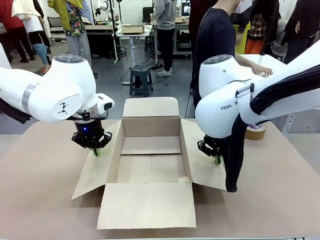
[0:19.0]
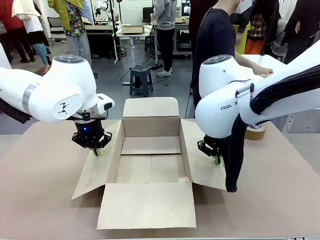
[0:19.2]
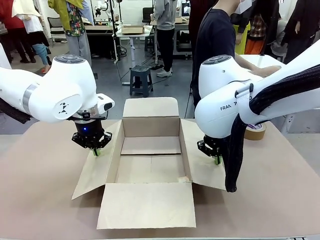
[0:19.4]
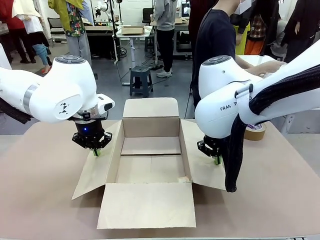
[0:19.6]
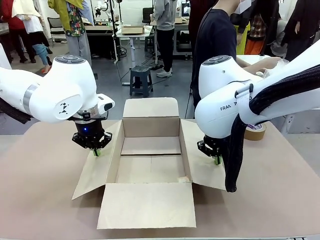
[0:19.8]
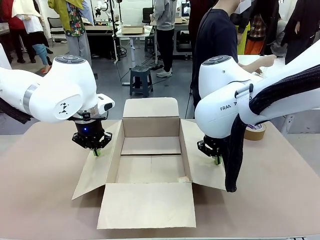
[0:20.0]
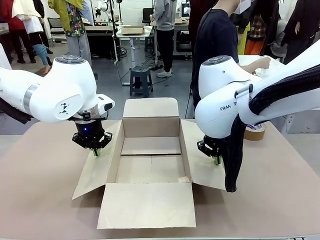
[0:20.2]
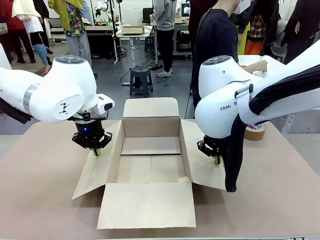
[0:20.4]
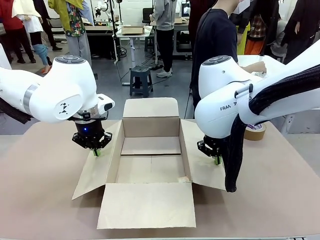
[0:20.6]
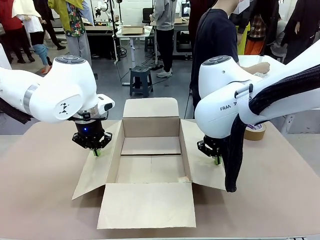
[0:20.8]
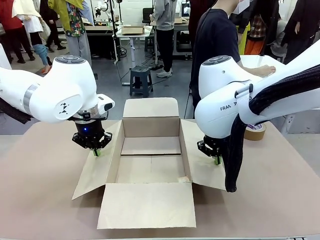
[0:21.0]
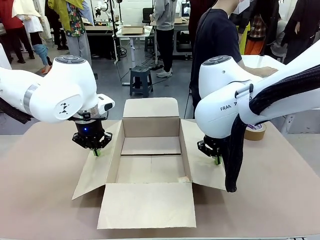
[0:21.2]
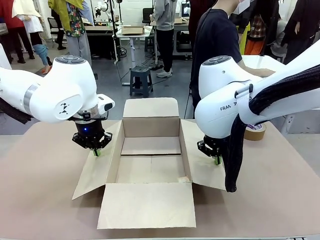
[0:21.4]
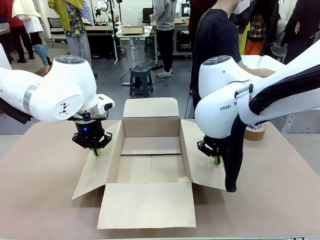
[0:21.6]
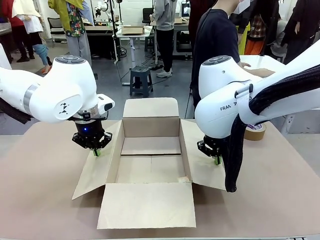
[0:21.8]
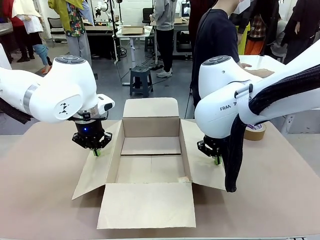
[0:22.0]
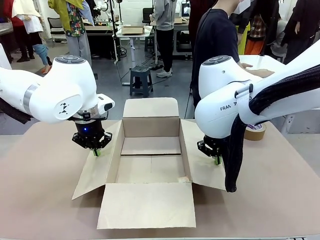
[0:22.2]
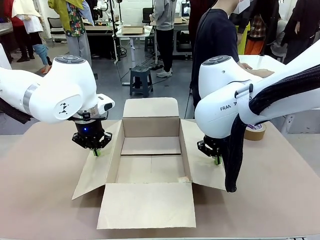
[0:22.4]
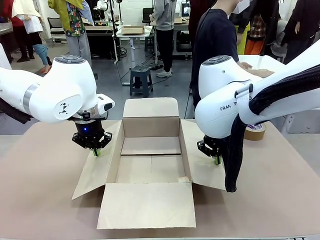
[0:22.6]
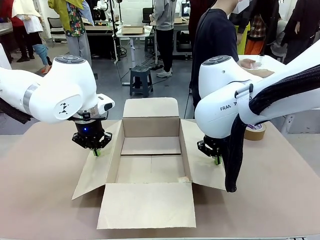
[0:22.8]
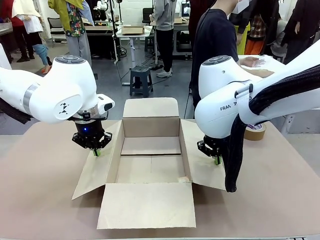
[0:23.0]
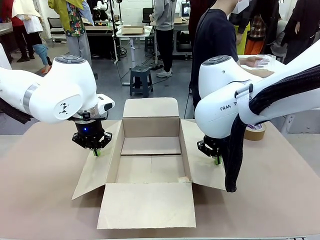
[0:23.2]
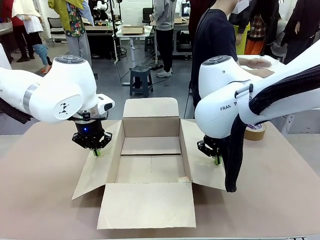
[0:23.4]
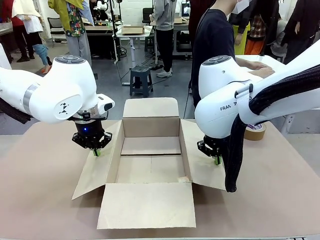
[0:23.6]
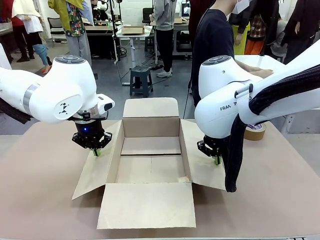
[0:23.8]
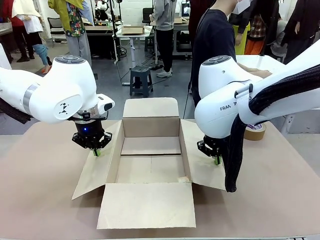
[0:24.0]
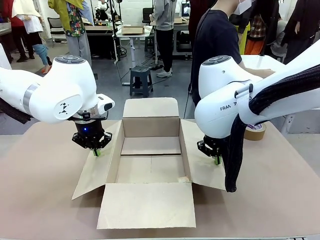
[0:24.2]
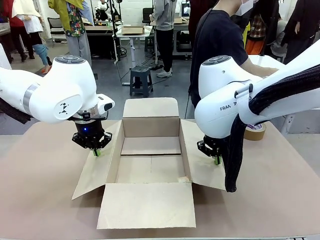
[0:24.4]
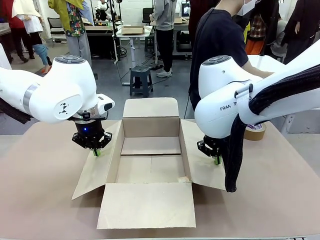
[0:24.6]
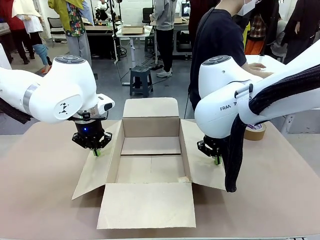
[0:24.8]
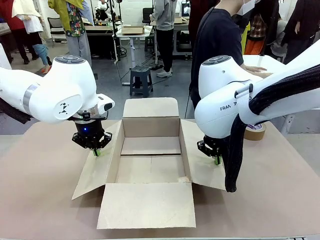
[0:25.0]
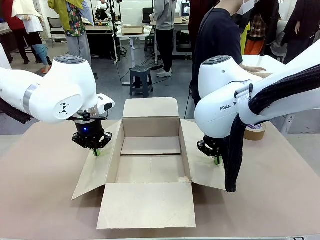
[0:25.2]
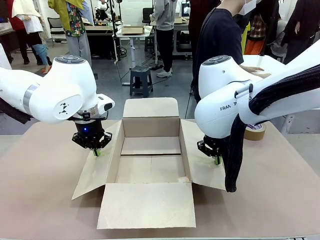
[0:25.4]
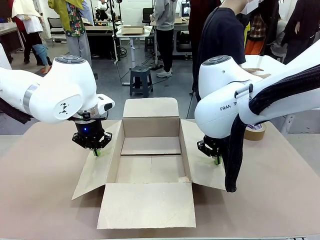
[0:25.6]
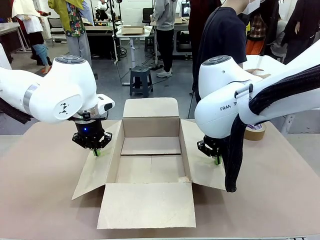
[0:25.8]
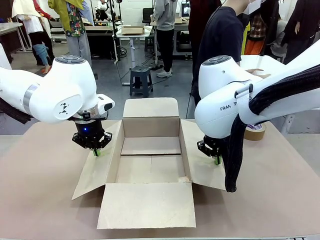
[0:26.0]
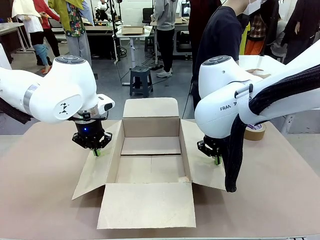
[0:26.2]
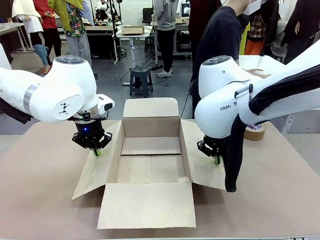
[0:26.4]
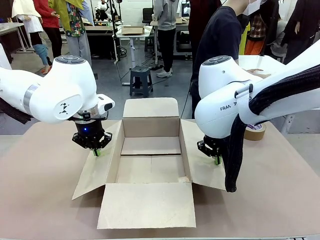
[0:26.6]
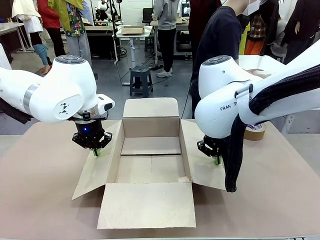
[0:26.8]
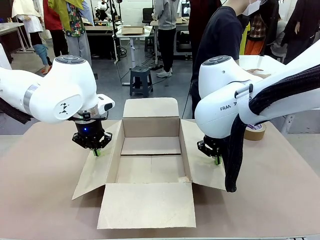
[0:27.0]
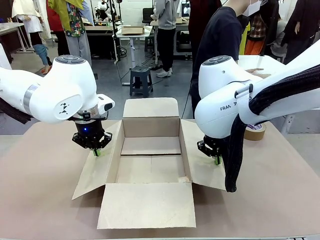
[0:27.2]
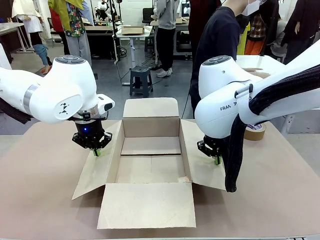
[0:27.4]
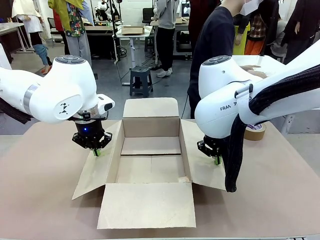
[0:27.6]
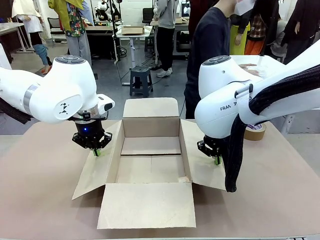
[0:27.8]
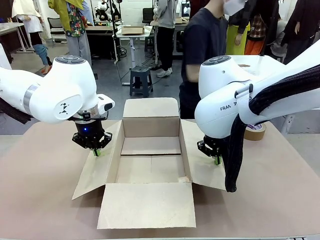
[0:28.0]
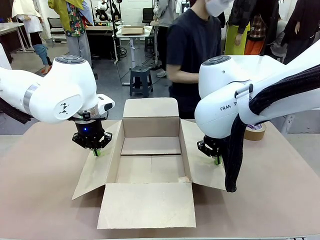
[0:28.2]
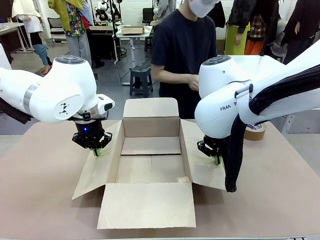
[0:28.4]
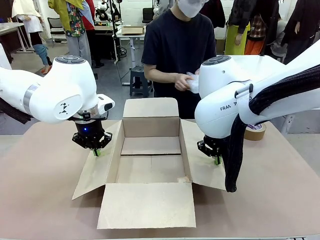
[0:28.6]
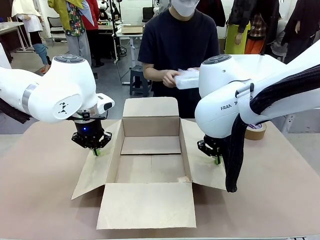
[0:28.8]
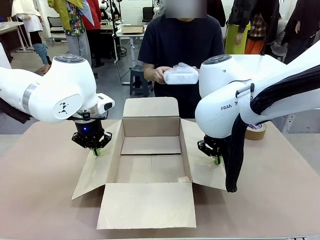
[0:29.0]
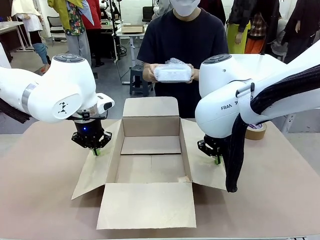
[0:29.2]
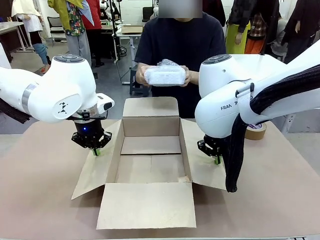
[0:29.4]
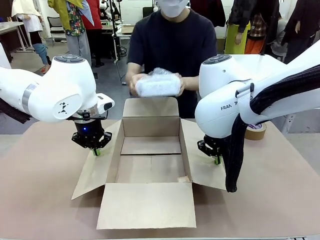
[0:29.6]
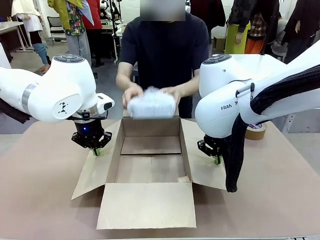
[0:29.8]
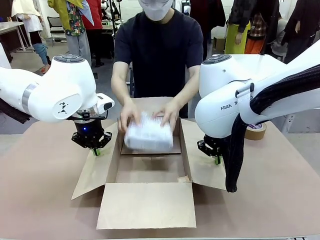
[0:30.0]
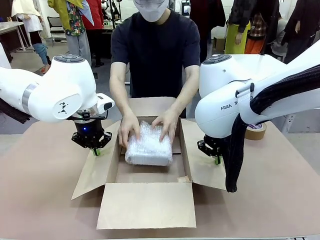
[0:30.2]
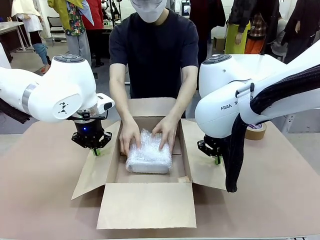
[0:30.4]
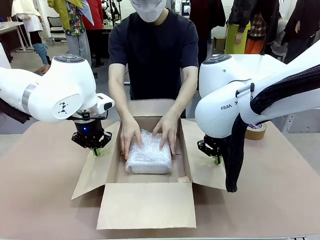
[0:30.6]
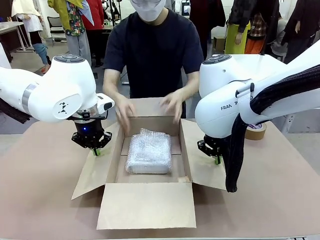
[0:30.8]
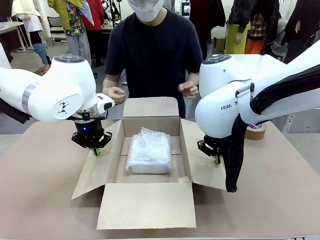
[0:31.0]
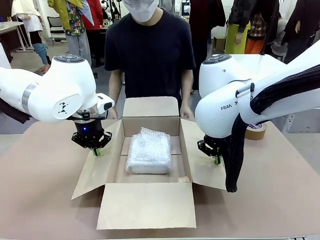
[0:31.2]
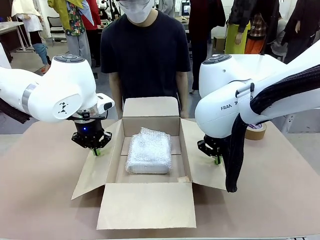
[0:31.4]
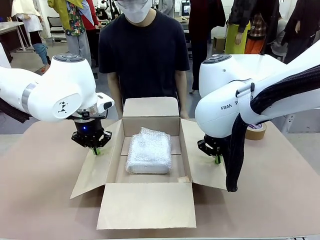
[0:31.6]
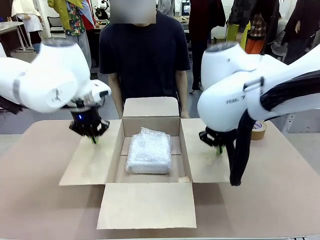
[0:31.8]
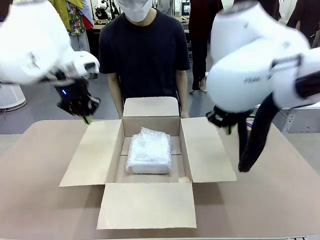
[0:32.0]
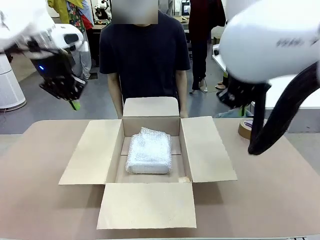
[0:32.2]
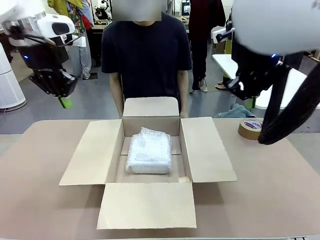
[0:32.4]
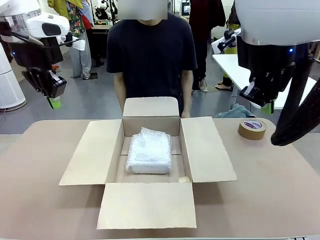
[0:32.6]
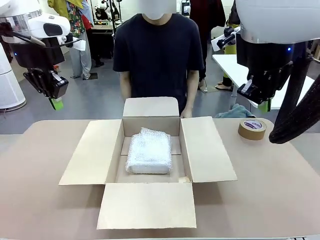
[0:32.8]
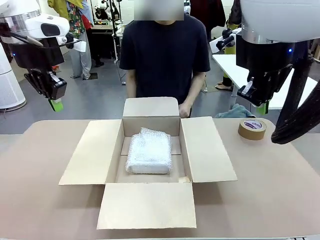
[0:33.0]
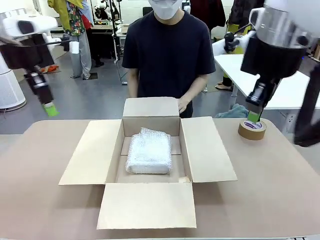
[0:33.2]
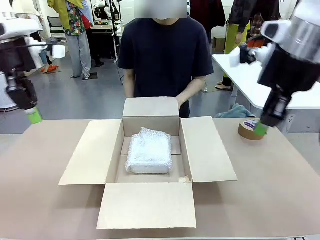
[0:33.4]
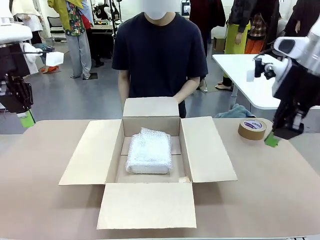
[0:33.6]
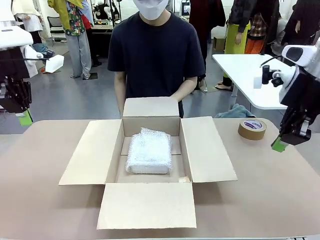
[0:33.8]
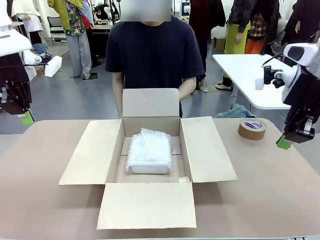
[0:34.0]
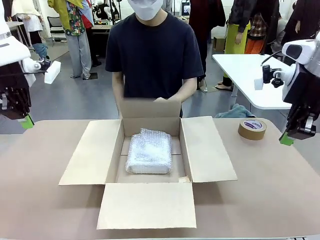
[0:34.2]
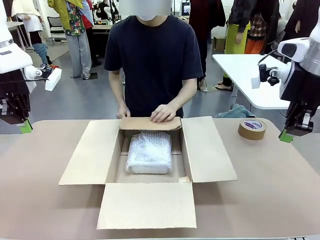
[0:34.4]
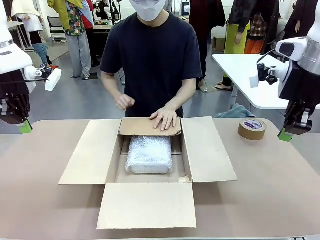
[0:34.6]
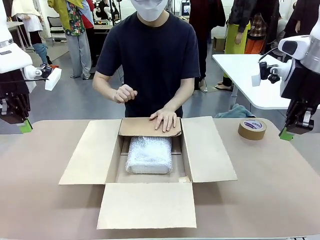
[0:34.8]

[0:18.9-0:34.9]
Task: Wrap the clocks to prevent damage.
Robot: Once the human has placed the objects inside and stepped back, release both hands from the side flaps of the Package Box.
Person: Place the wrapped Digital clocks inside the Package Box. Hold the top and bottom flaps of the Package Box closed with your left (or right) hand.
